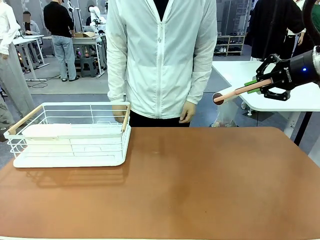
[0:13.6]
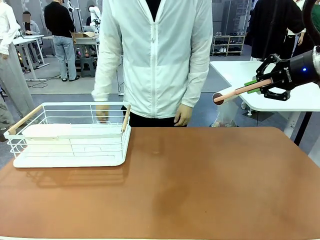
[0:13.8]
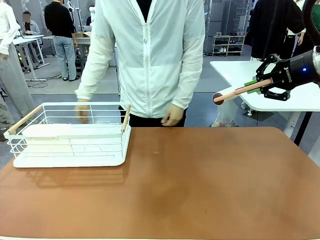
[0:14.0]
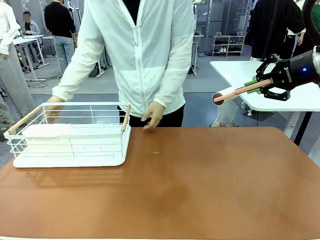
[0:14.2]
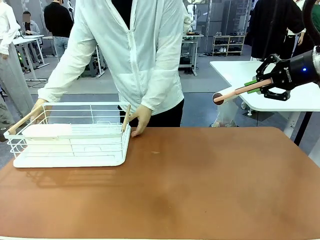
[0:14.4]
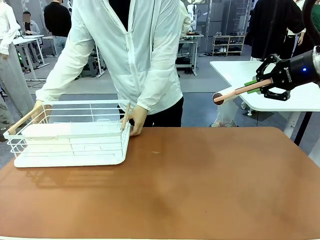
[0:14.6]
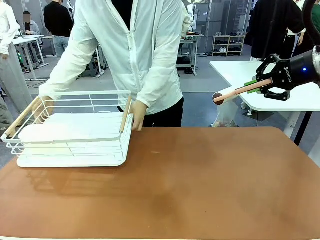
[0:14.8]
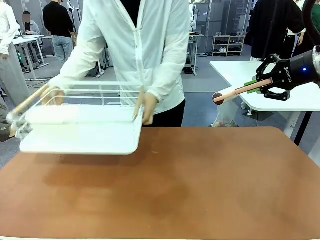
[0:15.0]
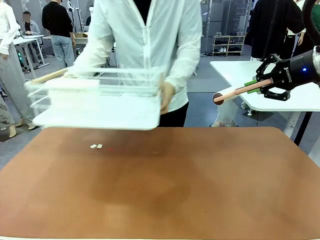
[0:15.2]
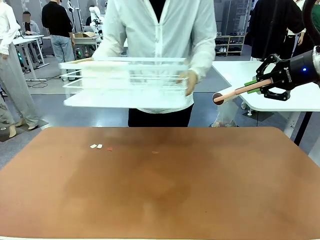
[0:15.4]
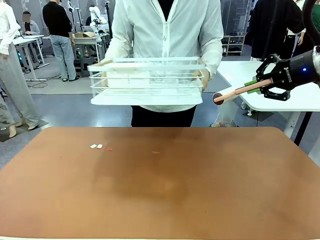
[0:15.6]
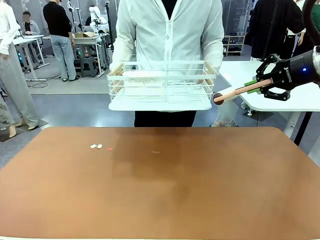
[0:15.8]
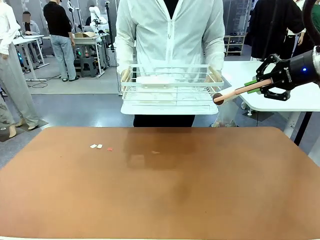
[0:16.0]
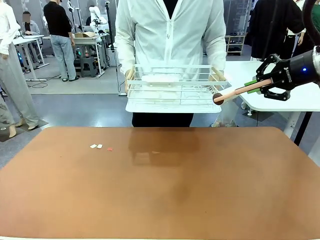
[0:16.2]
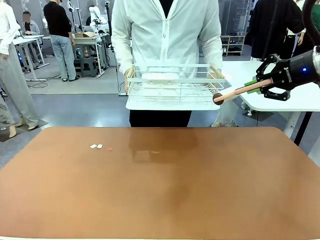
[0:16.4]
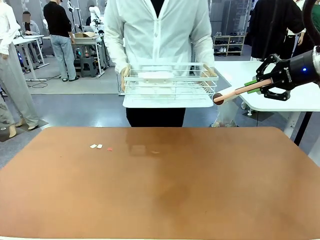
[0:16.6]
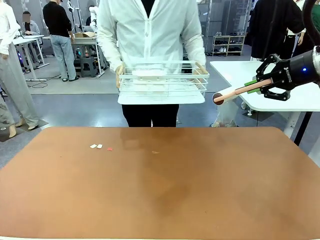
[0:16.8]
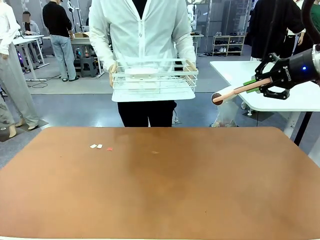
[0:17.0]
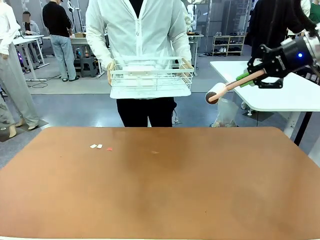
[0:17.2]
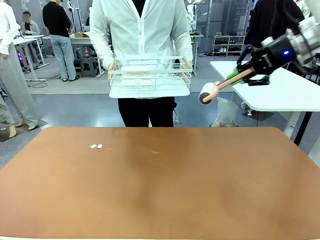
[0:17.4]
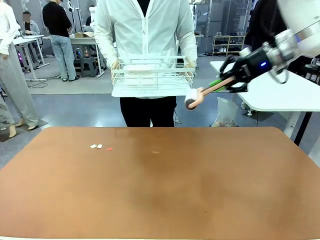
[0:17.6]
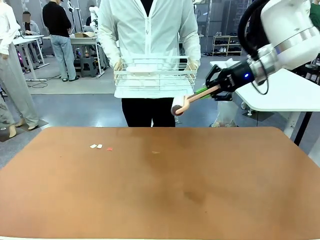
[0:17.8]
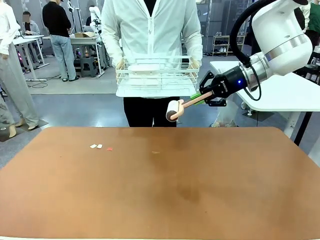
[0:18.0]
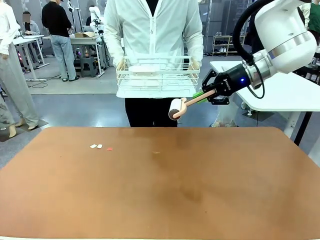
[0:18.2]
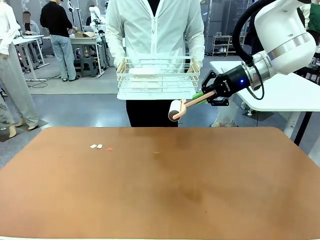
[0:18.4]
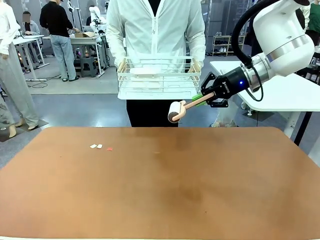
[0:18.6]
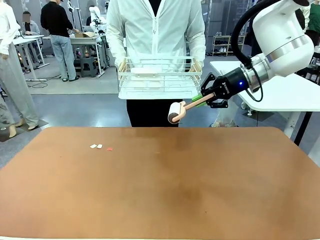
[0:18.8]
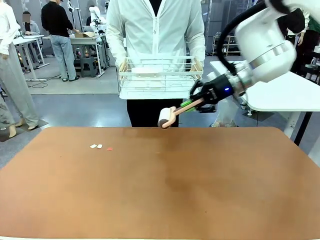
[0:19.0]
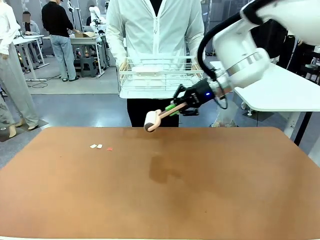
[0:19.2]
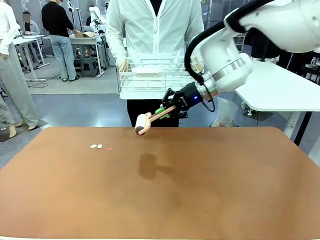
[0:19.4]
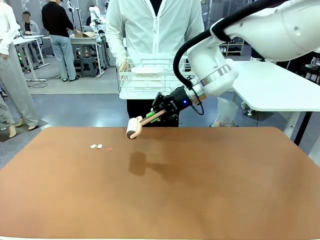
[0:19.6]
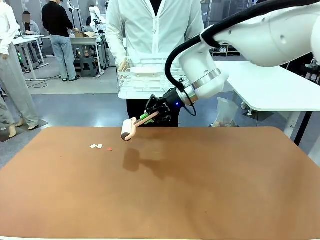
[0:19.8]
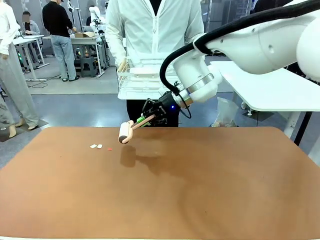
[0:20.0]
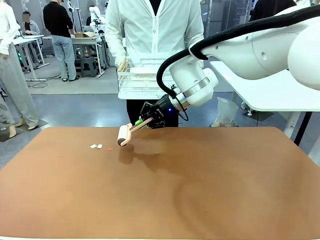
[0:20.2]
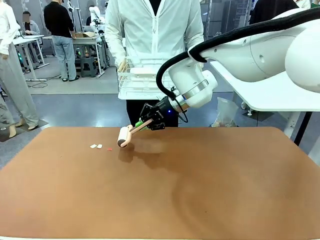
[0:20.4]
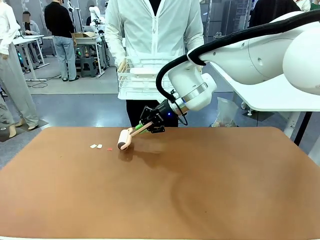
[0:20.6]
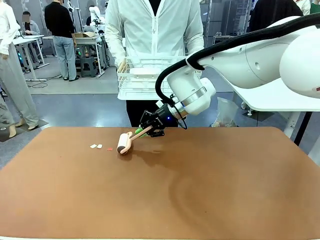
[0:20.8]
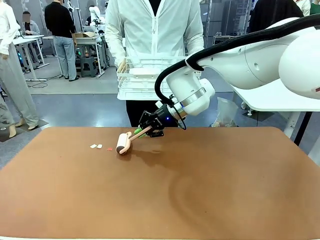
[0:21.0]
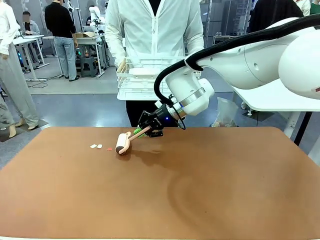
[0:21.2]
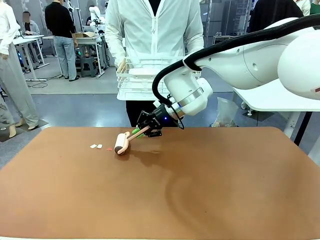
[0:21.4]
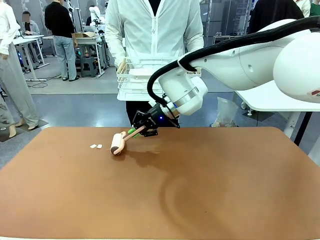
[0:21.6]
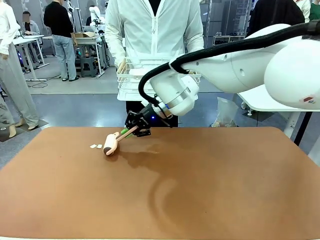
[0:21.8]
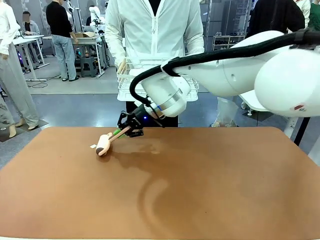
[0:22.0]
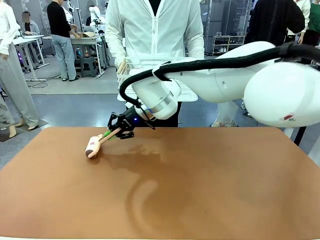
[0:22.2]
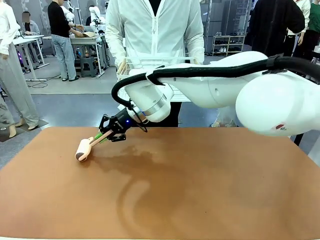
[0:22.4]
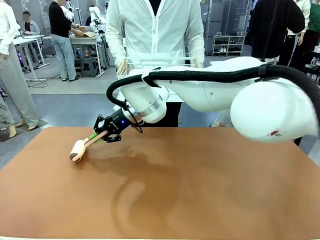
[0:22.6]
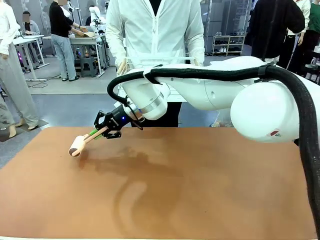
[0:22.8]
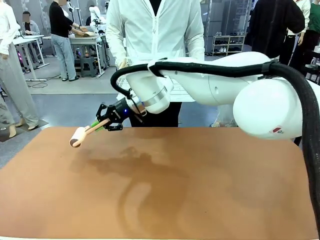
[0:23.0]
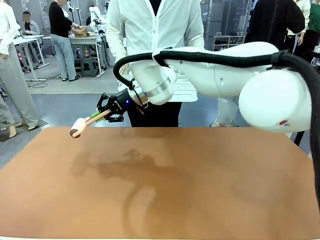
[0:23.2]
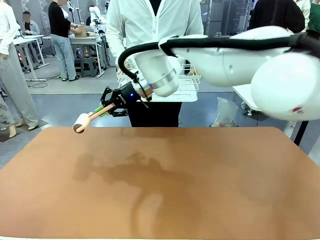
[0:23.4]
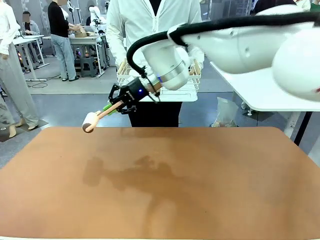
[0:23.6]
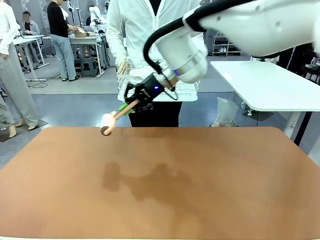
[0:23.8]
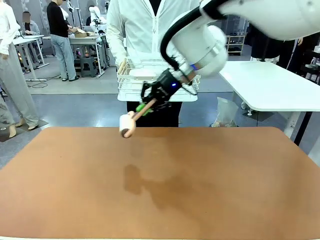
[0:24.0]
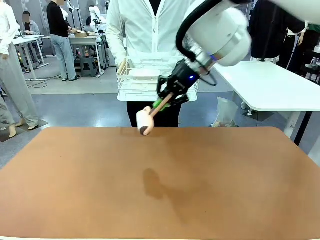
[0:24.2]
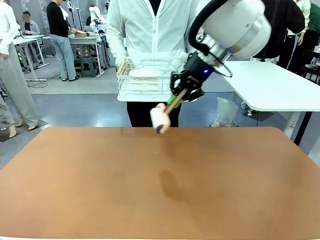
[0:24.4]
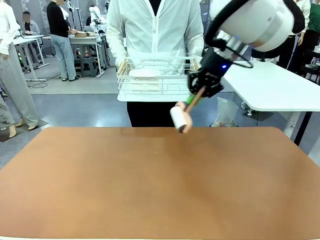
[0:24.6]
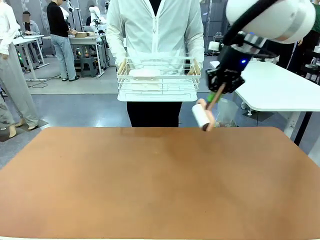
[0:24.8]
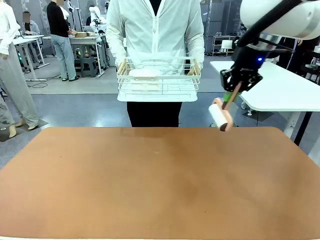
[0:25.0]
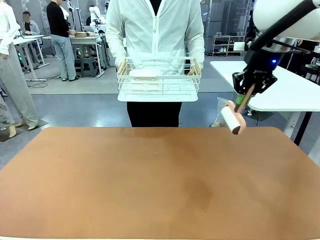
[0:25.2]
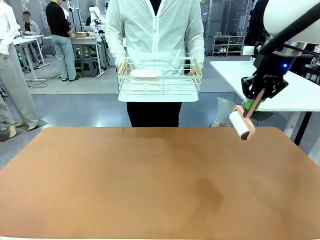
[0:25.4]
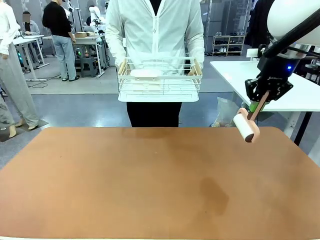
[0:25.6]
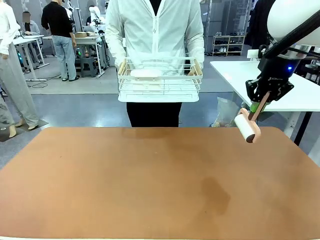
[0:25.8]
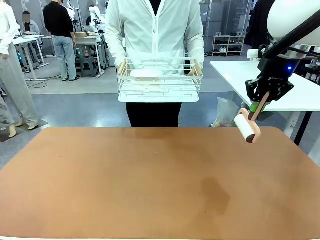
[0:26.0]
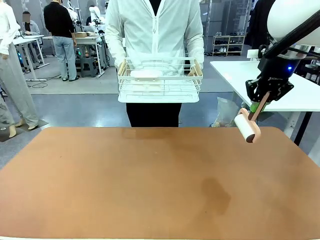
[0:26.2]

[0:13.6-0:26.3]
Task: Clean the table.
Robot: Clean the table with the Lint Roller when the human lifts the Dish drying rack.

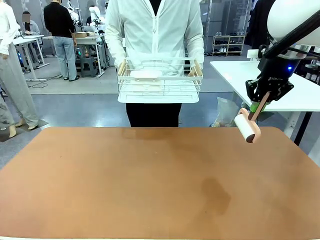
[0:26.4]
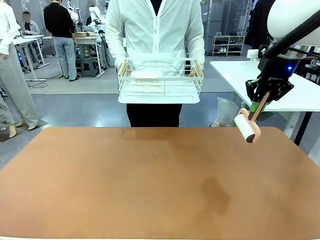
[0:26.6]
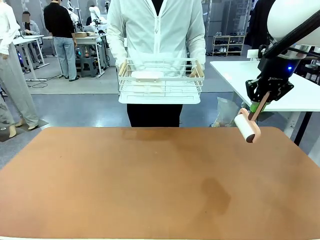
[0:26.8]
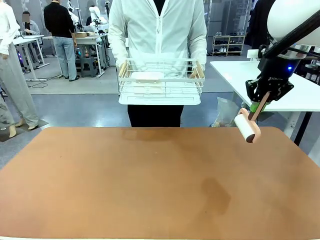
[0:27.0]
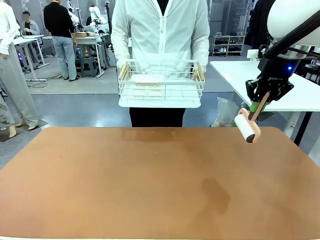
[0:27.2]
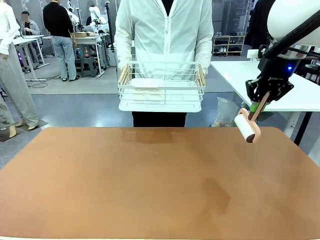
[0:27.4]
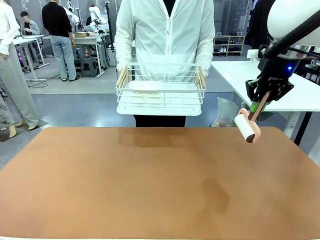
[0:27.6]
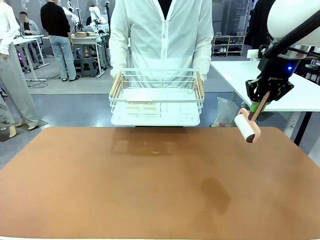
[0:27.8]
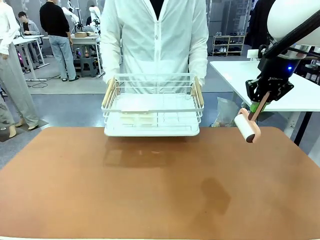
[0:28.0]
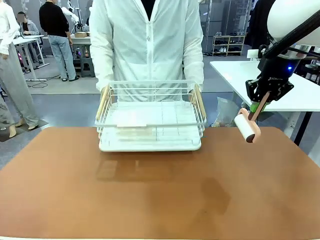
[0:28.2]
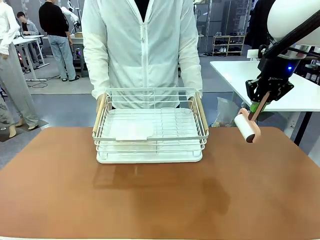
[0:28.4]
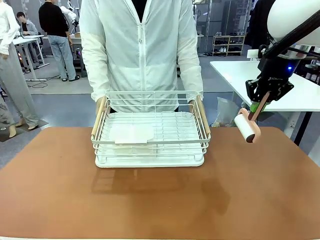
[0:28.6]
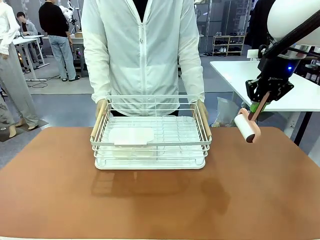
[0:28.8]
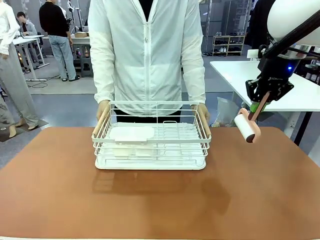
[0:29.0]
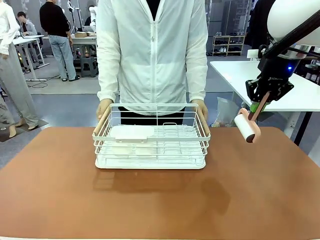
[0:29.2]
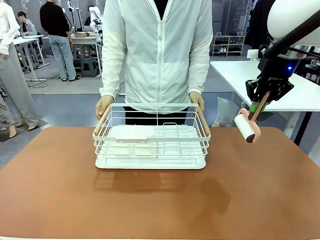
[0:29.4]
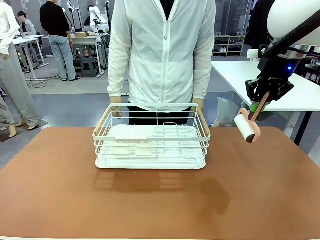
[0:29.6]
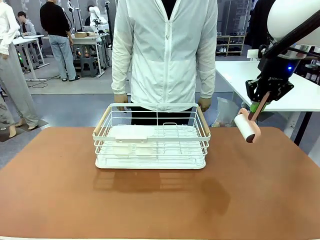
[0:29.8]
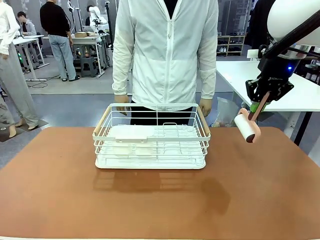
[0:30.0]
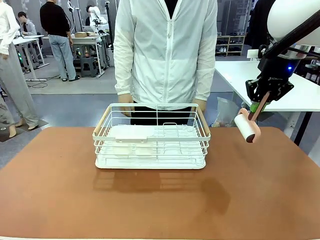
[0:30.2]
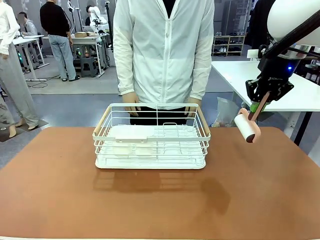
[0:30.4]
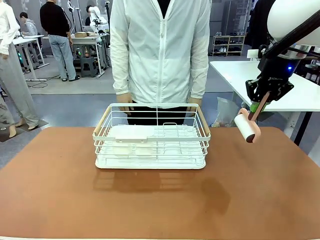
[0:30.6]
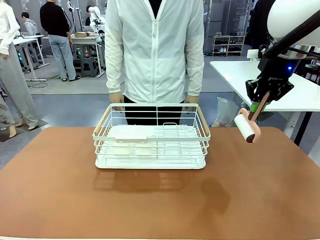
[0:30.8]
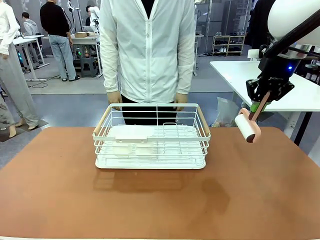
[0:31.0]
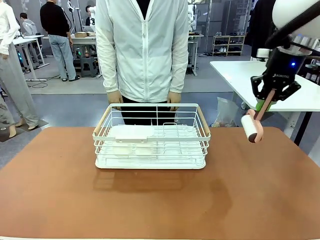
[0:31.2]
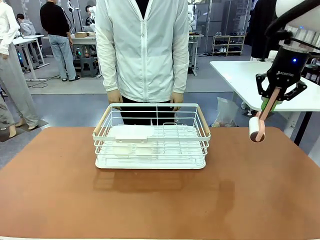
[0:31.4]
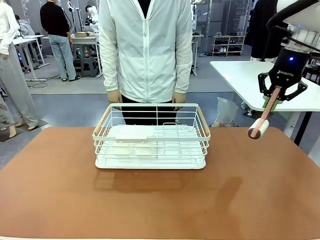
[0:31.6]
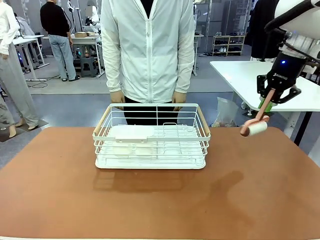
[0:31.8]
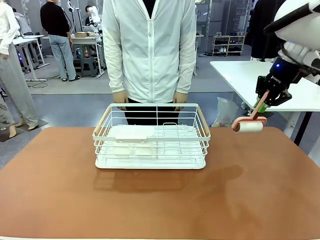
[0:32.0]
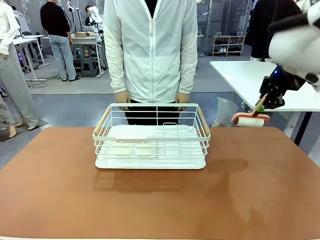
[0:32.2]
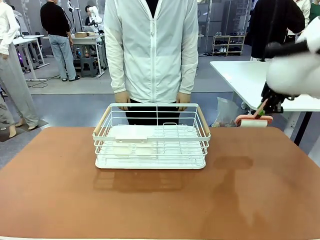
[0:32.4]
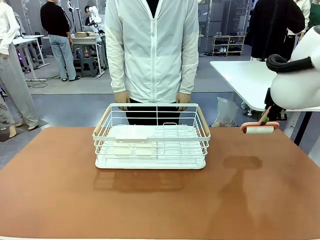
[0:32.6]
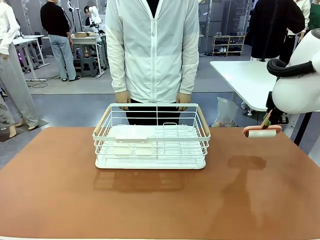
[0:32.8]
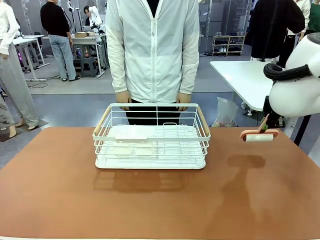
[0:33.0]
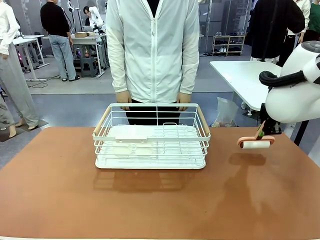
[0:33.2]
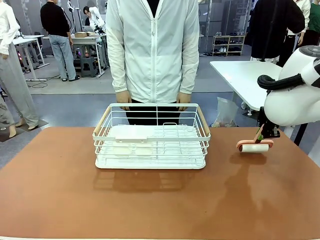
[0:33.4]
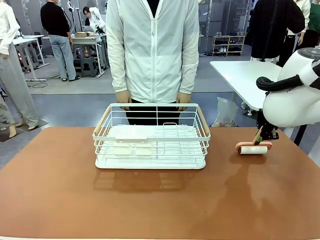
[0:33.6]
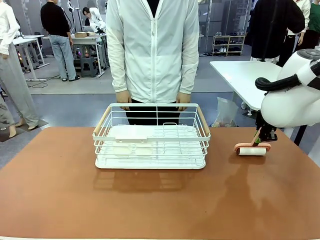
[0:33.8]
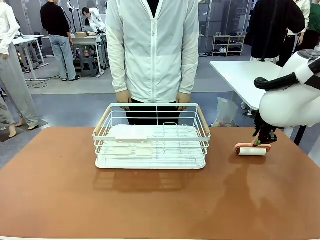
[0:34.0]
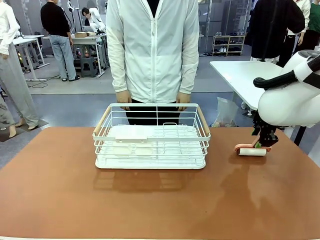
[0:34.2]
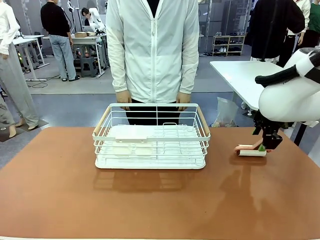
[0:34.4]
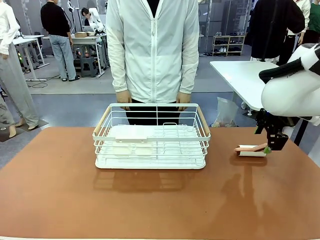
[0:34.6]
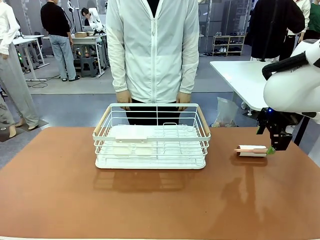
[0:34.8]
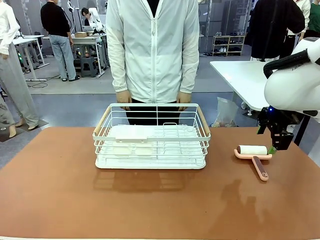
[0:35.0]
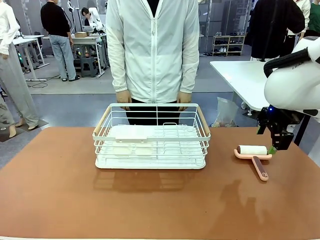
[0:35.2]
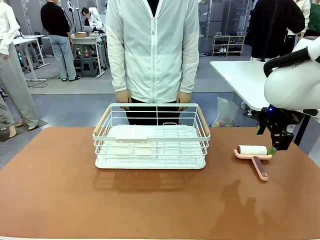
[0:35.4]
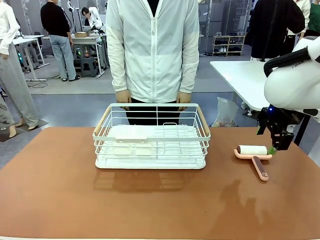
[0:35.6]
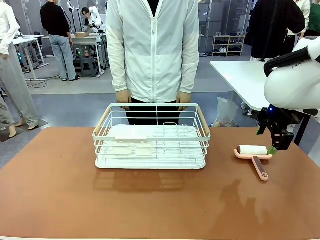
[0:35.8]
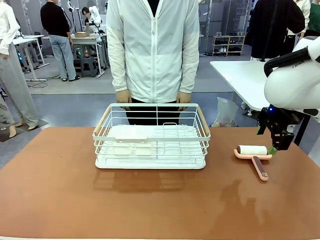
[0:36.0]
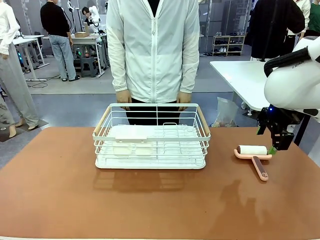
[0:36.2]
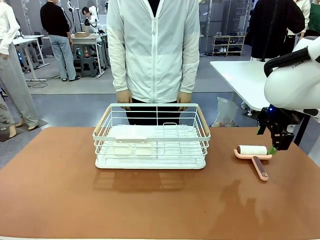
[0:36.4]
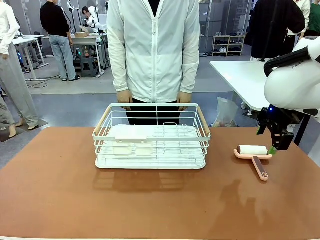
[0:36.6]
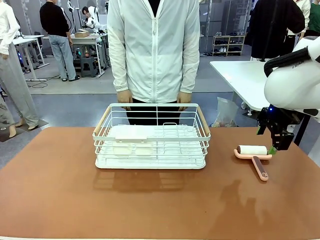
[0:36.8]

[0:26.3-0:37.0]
Robot: Place the Lint Roller down when the Dish drying rack is positioned in the middle of the table.
Person: Place the Dish drying rack down when the robot finishes cleaning.
